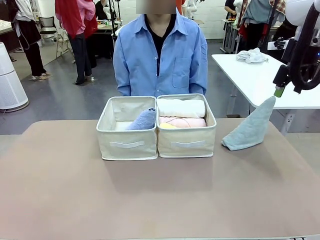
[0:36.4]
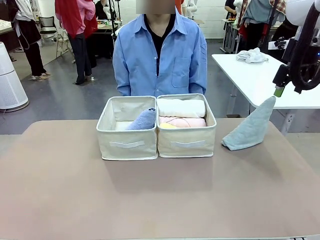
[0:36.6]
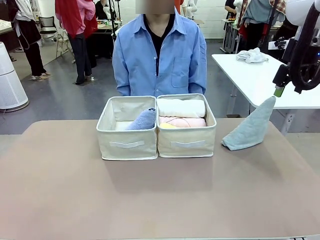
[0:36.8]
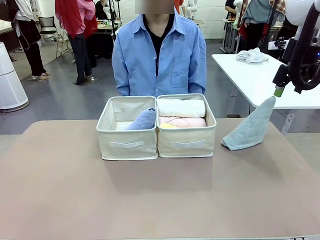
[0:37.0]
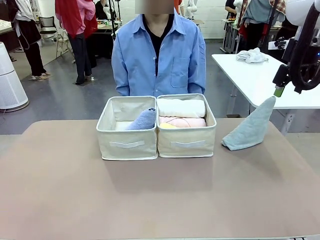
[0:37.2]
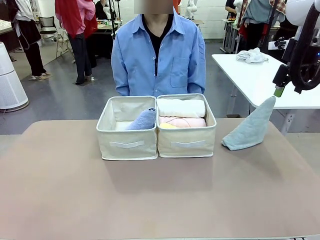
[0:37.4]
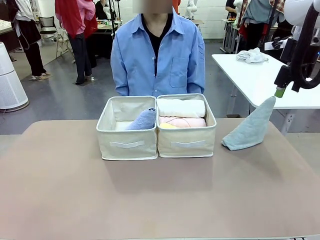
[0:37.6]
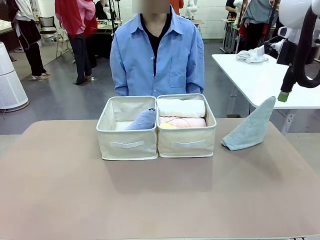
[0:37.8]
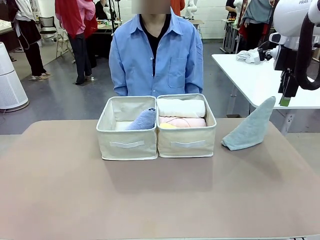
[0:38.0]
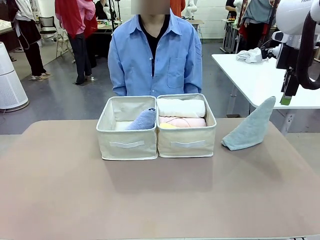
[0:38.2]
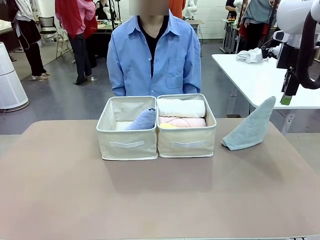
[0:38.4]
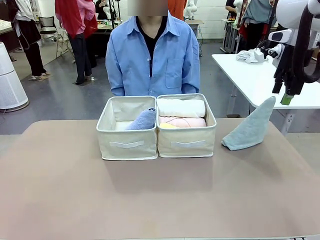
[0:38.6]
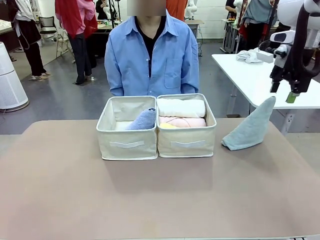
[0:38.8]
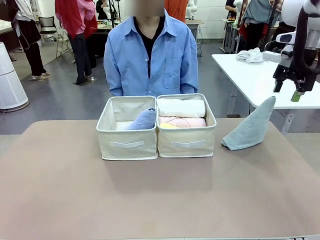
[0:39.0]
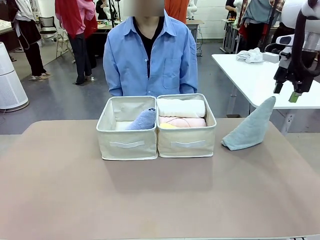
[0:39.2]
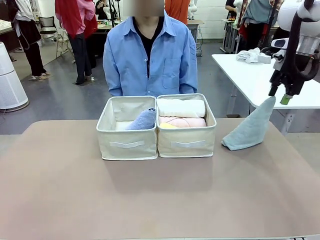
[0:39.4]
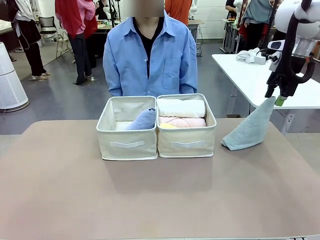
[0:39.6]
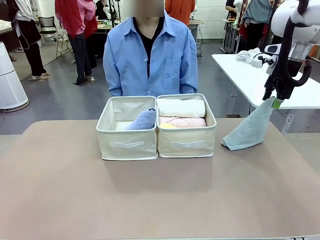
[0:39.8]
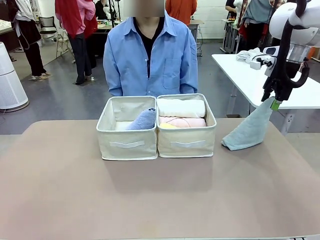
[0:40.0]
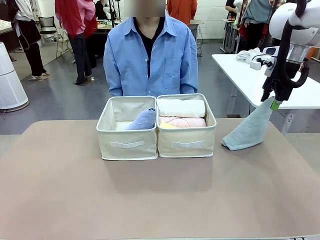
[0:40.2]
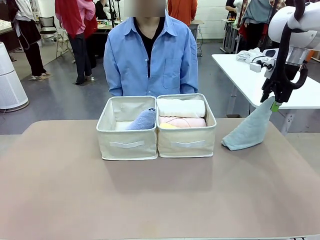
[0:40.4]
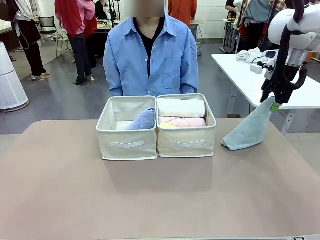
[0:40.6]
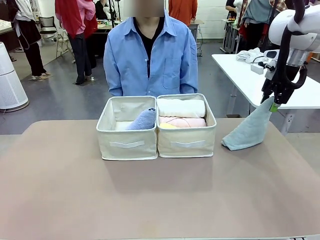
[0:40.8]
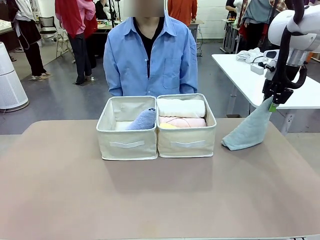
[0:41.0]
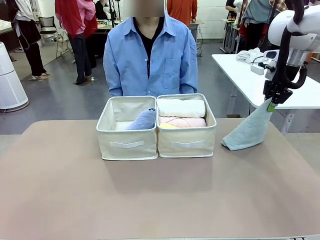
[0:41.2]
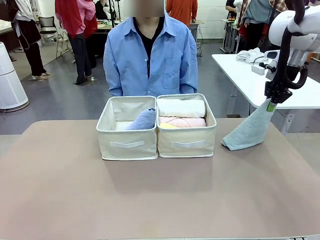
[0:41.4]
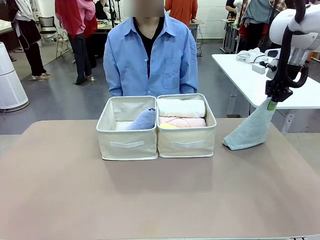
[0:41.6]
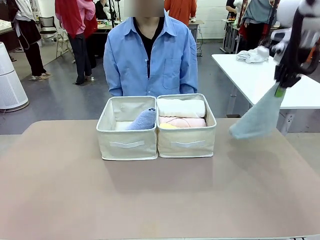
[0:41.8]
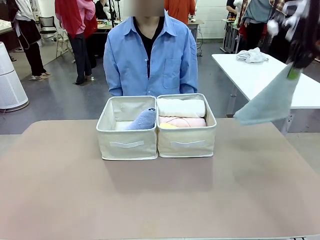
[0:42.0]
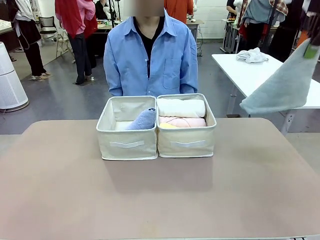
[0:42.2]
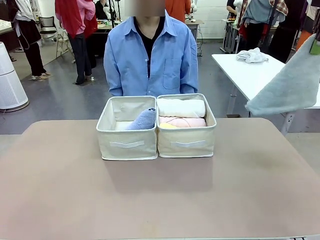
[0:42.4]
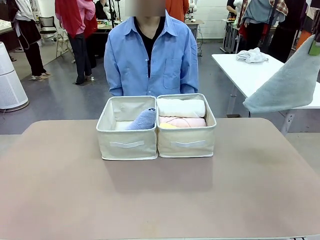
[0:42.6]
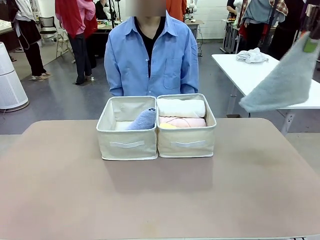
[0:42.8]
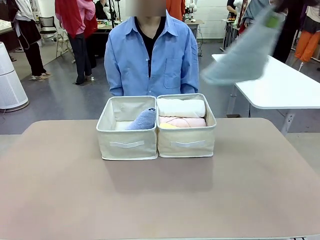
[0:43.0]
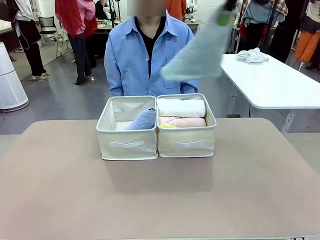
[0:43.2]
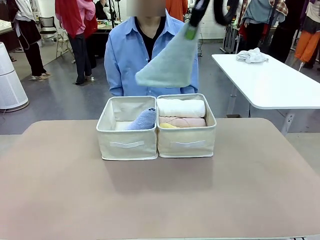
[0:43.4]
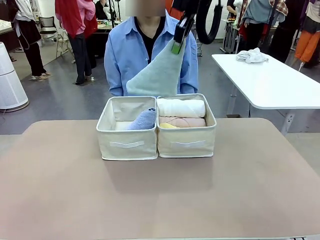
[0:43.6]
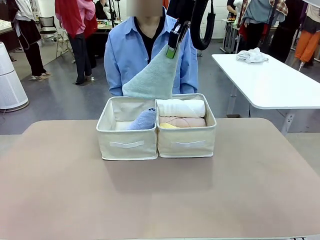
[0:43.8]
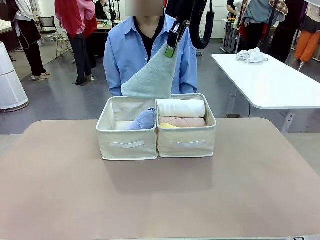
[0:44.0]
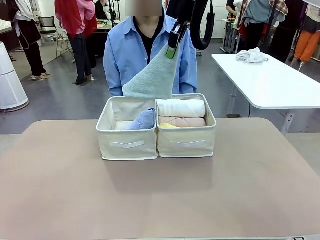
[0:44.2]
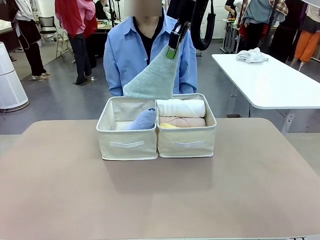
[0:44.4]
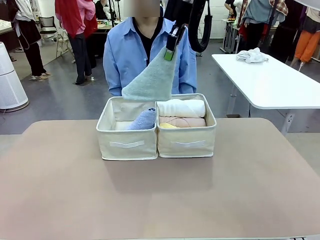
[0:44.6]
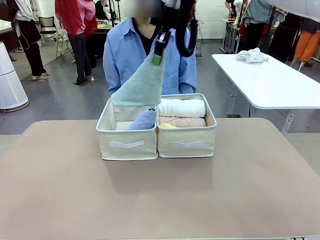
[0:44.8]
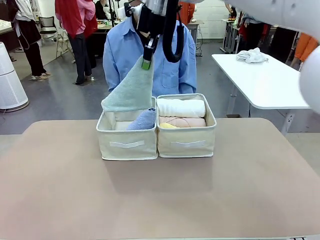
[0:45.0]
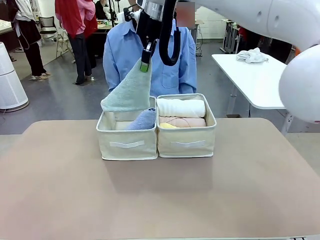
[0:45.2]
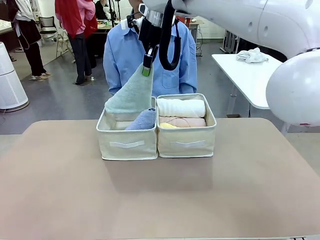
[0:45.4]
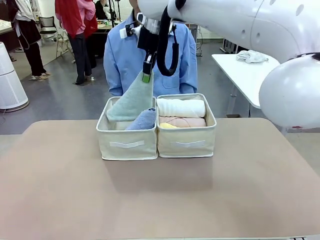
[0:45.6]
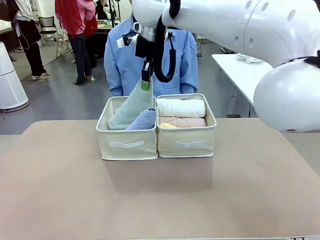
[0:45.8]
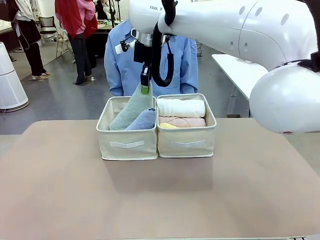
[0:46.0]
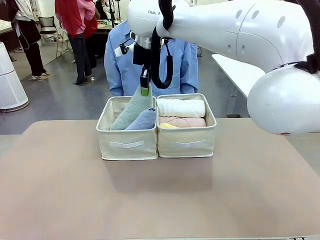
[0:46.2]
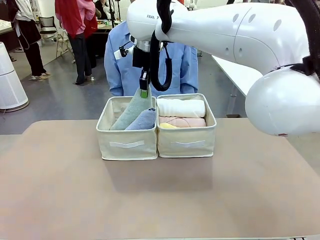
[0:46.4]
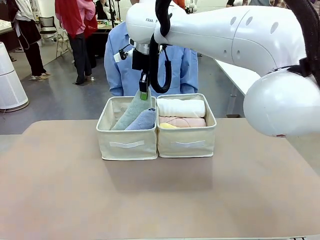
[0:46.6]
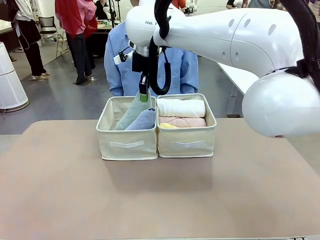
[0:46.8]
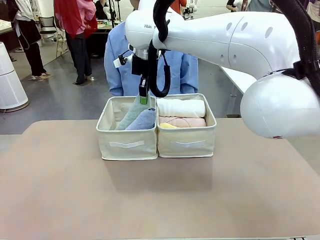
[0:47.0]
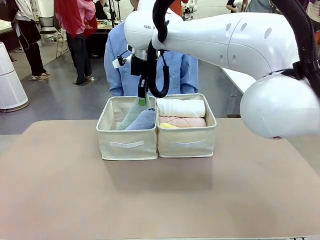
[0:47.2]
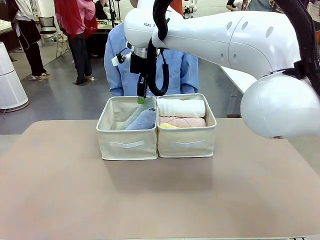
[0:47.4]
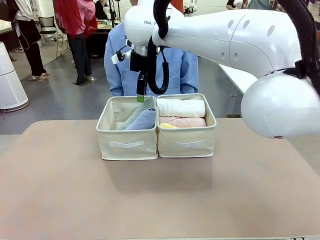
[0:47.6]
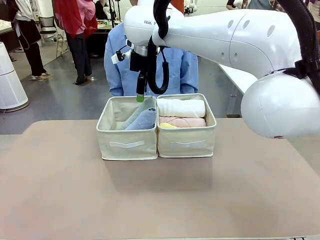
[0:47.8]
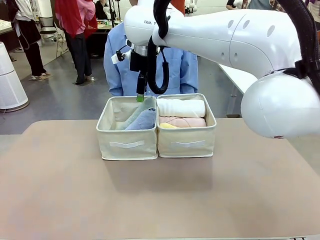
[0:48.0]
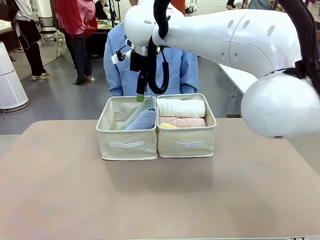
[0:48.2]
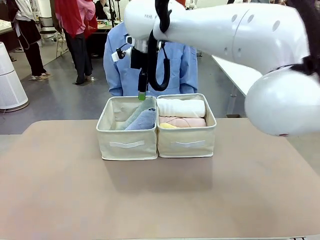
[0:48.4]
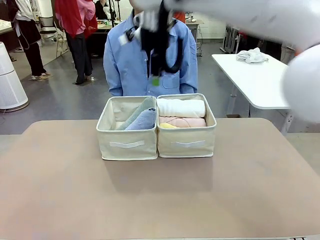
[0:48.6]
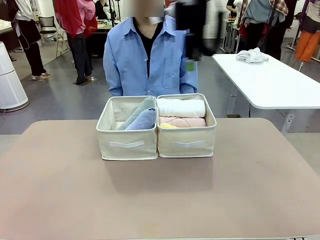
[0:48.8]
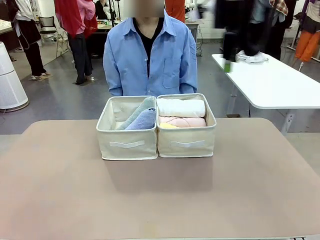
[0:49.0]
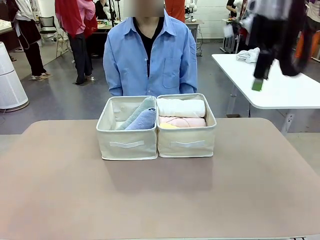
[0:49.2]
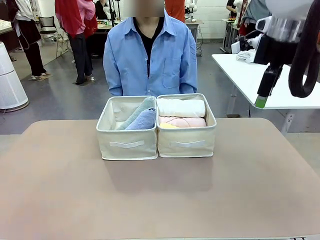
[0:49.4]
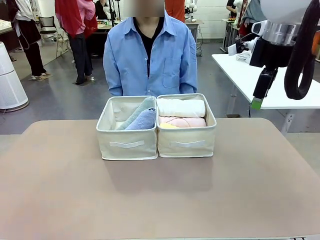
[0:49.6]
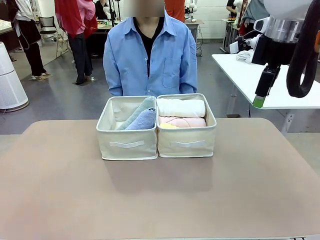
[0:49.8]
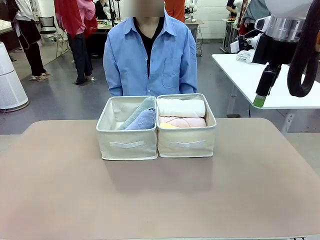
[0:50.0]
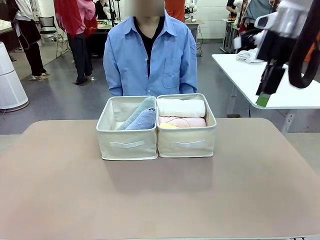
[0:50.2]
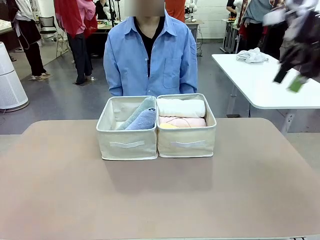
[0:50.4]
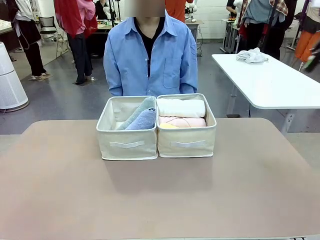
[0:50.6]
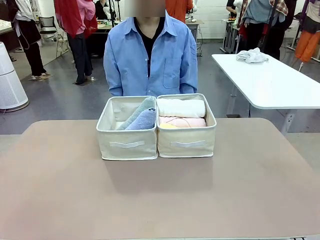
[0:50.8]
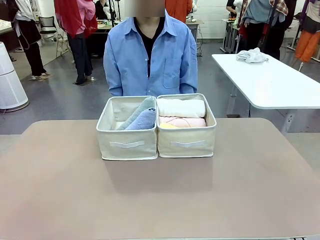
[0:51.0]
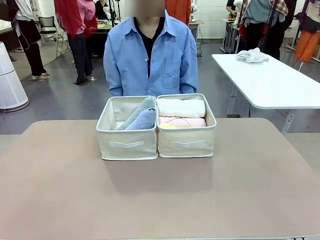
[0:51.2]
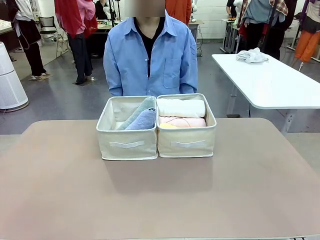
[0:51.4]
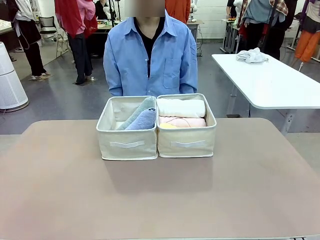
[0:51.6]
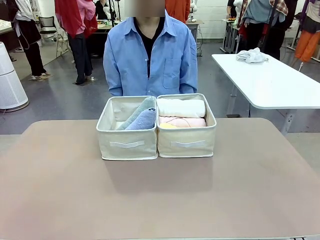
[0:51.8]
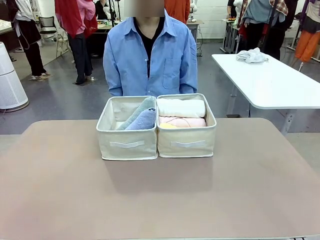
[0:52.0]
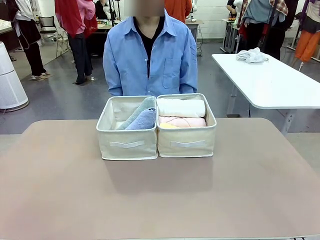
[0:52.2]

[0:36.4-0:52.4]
Task: Sort the towels based on their folding style.
Robot: Pick up another triangle-folded towel from the table and place it in the left Fabric basket.
